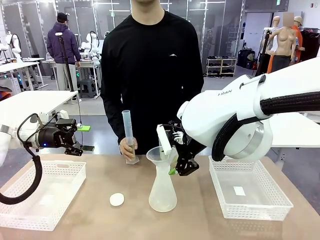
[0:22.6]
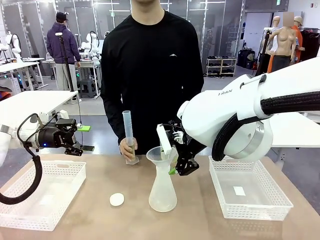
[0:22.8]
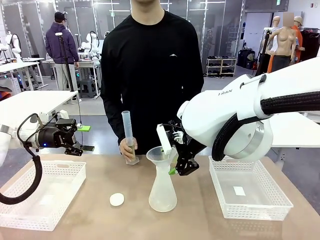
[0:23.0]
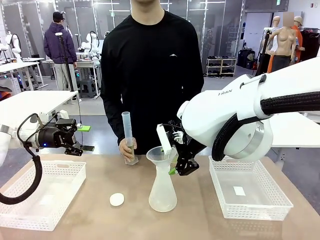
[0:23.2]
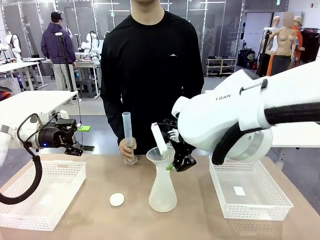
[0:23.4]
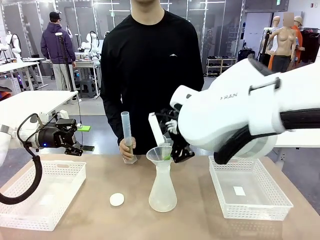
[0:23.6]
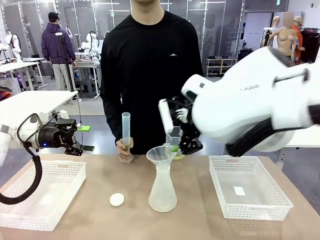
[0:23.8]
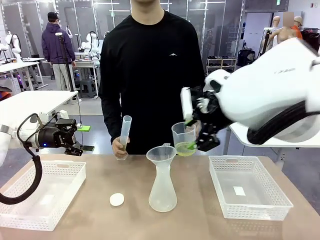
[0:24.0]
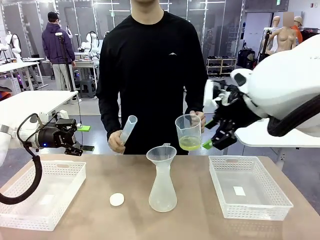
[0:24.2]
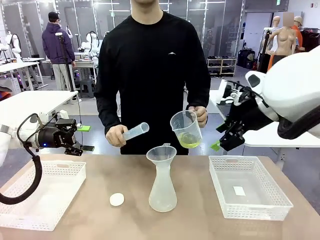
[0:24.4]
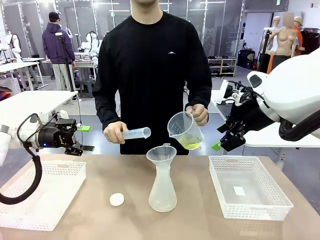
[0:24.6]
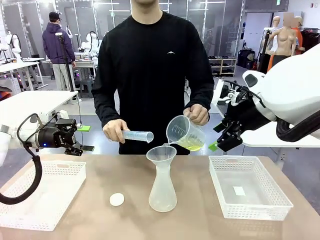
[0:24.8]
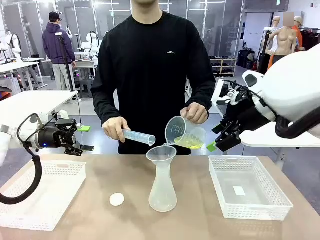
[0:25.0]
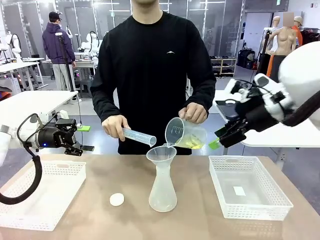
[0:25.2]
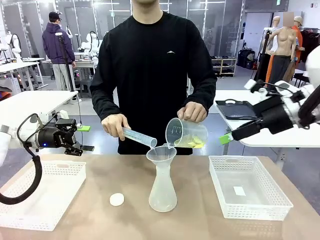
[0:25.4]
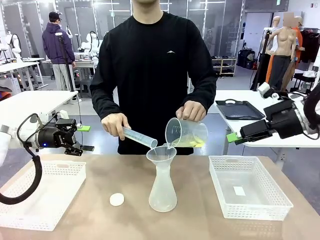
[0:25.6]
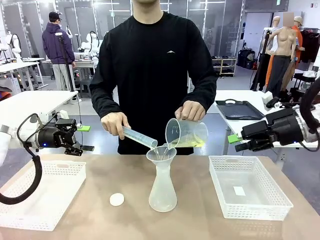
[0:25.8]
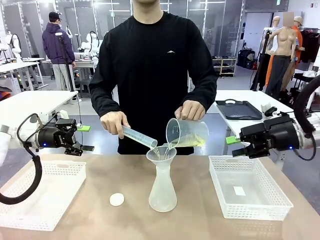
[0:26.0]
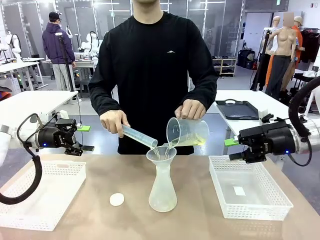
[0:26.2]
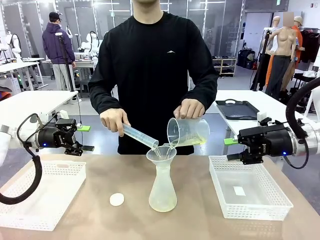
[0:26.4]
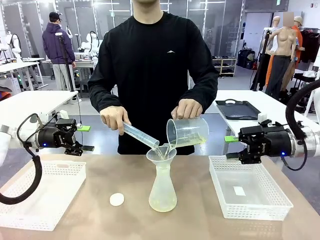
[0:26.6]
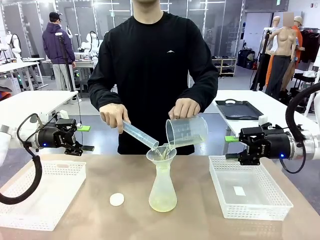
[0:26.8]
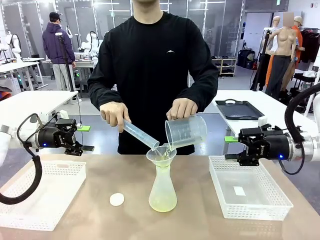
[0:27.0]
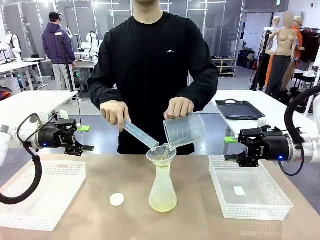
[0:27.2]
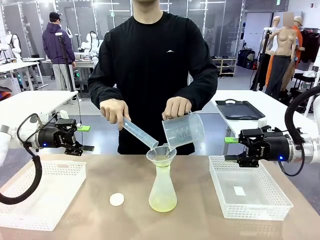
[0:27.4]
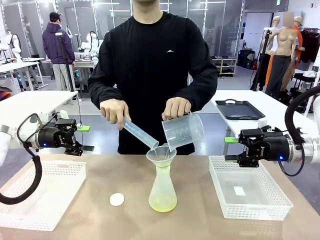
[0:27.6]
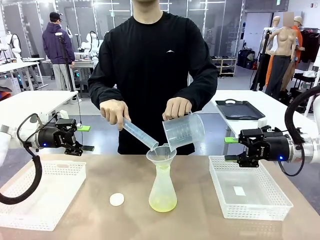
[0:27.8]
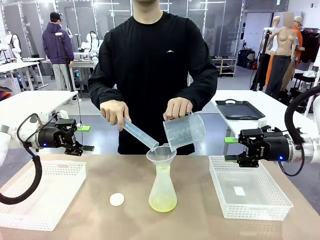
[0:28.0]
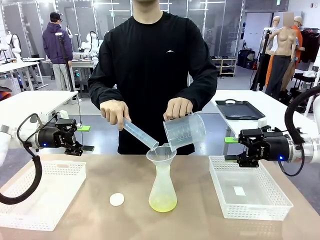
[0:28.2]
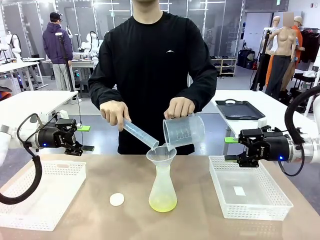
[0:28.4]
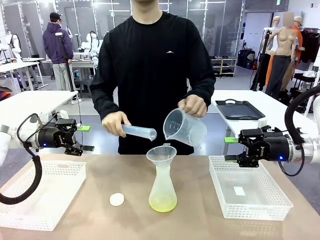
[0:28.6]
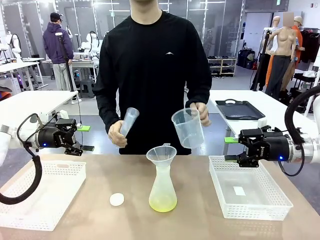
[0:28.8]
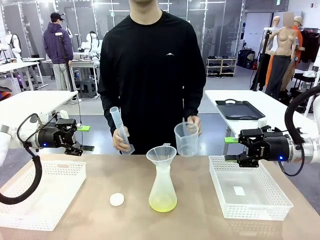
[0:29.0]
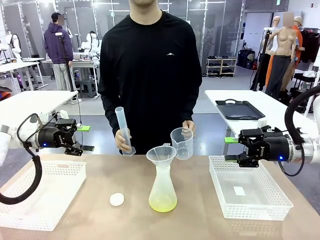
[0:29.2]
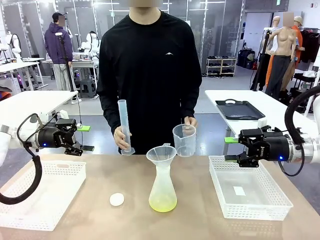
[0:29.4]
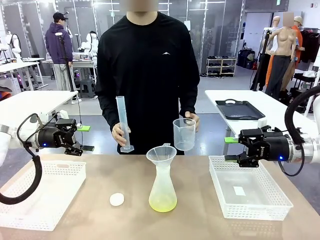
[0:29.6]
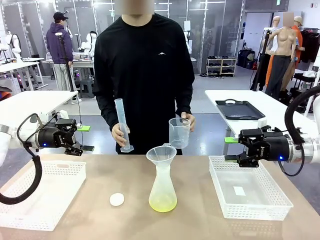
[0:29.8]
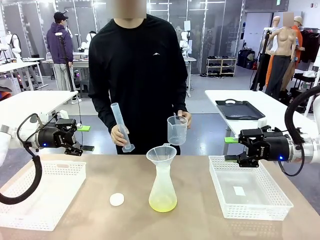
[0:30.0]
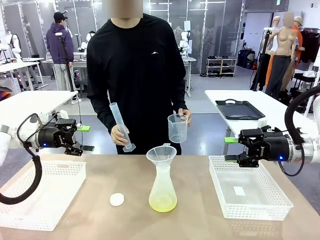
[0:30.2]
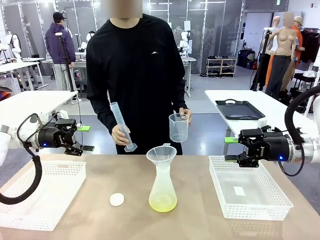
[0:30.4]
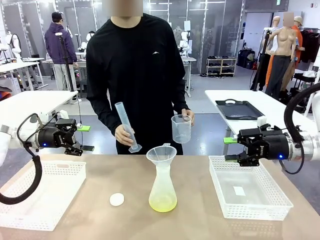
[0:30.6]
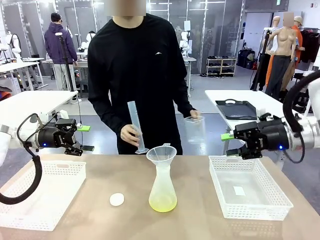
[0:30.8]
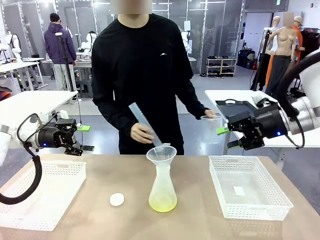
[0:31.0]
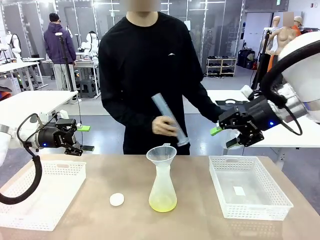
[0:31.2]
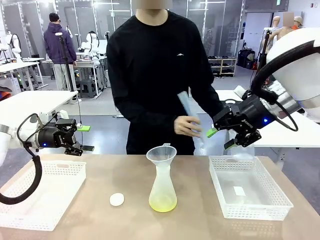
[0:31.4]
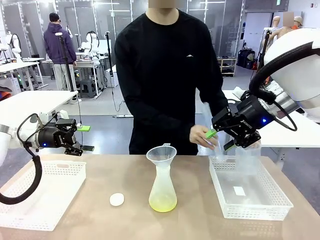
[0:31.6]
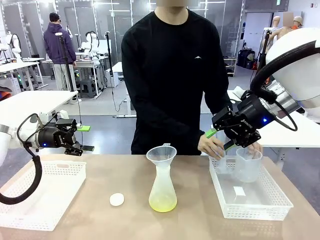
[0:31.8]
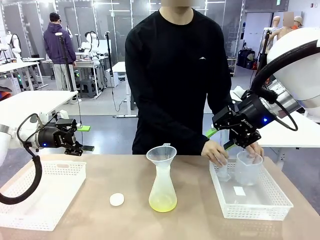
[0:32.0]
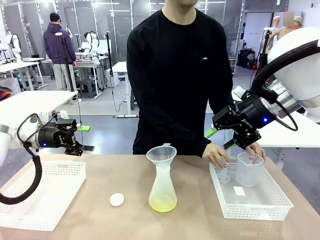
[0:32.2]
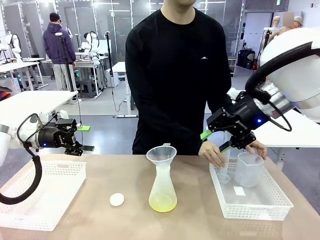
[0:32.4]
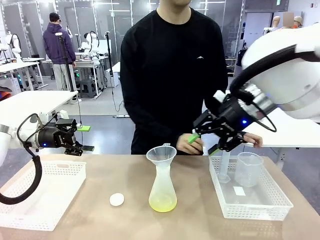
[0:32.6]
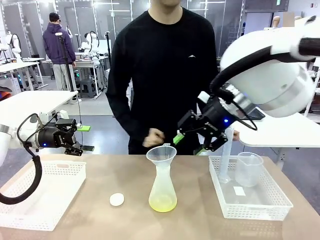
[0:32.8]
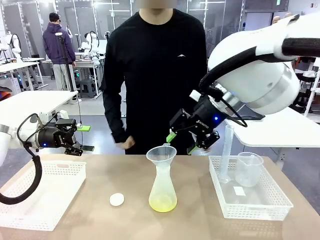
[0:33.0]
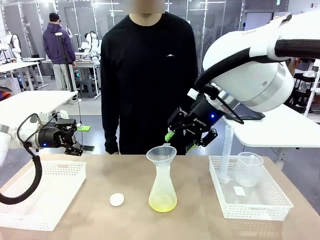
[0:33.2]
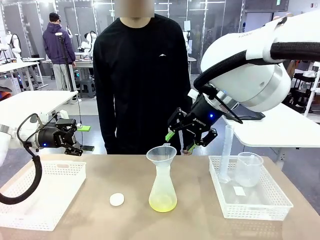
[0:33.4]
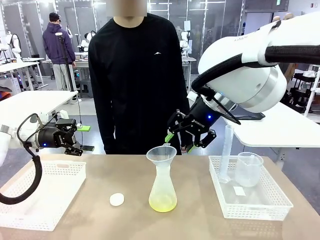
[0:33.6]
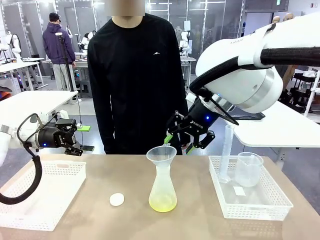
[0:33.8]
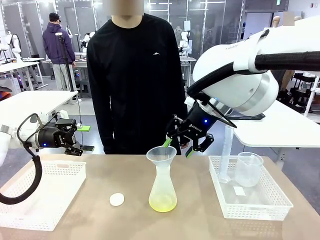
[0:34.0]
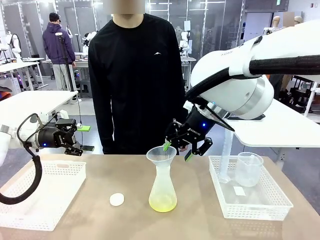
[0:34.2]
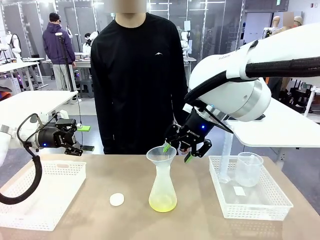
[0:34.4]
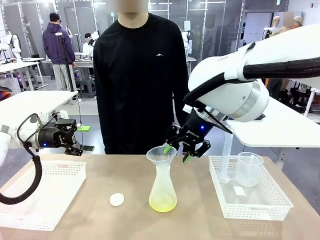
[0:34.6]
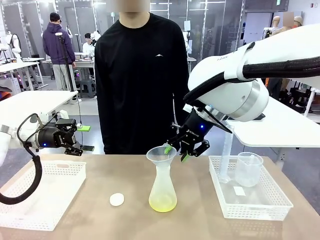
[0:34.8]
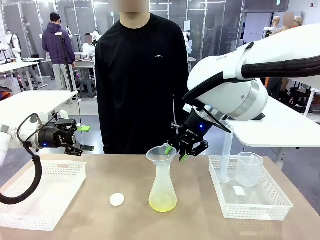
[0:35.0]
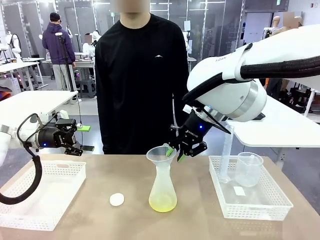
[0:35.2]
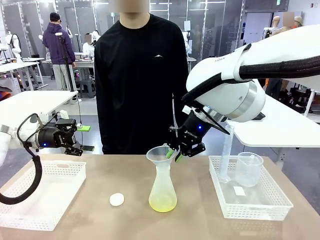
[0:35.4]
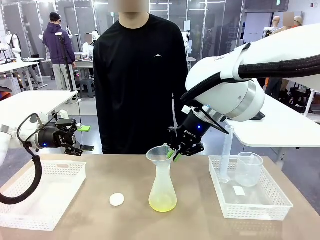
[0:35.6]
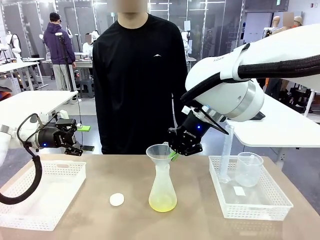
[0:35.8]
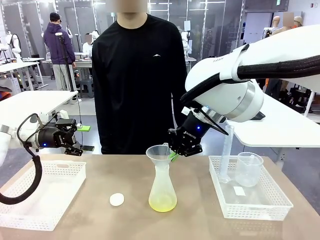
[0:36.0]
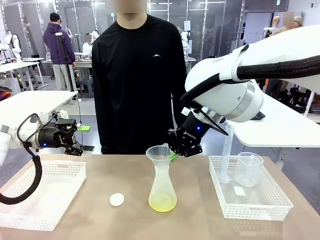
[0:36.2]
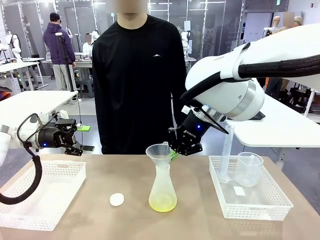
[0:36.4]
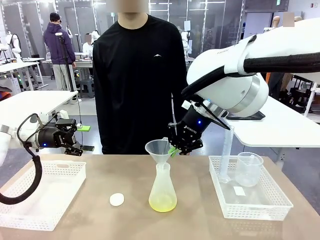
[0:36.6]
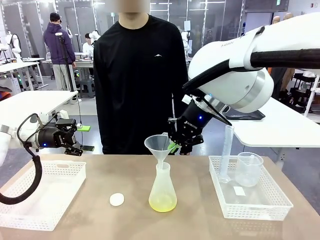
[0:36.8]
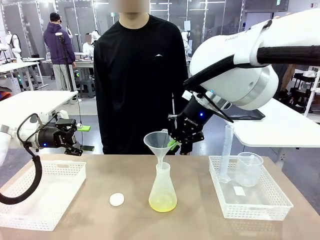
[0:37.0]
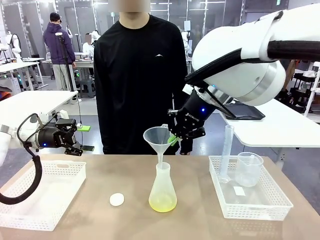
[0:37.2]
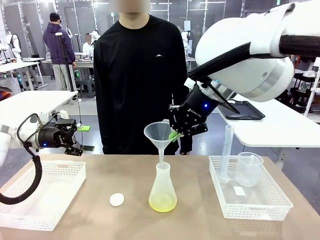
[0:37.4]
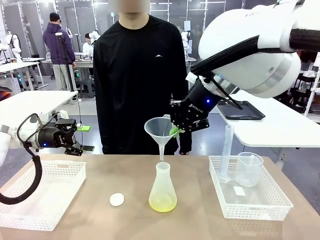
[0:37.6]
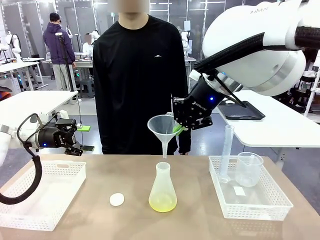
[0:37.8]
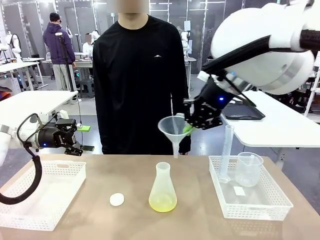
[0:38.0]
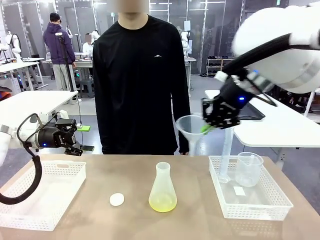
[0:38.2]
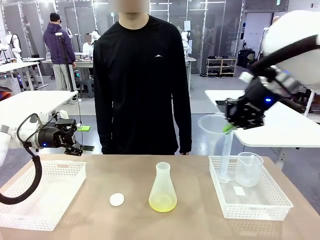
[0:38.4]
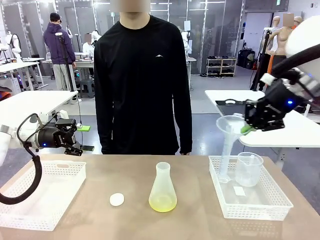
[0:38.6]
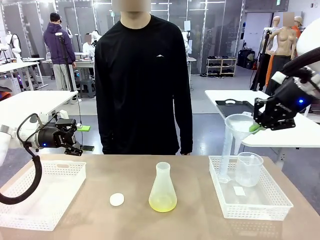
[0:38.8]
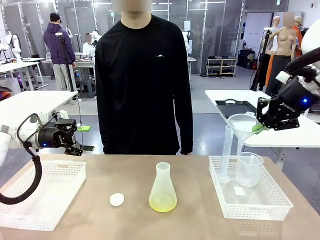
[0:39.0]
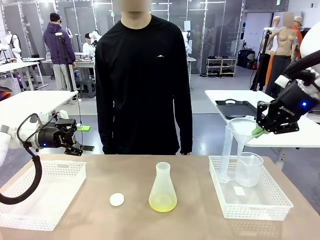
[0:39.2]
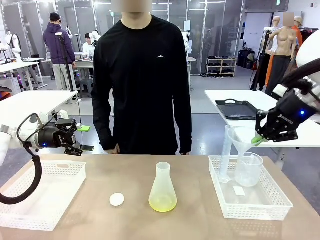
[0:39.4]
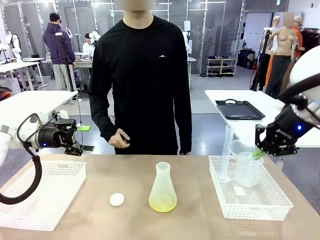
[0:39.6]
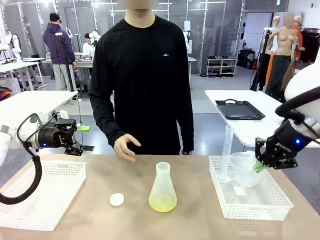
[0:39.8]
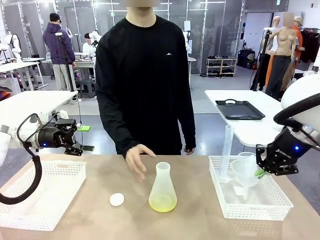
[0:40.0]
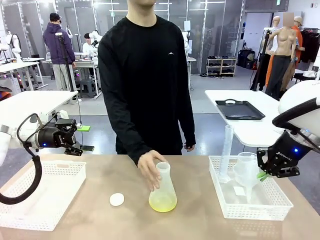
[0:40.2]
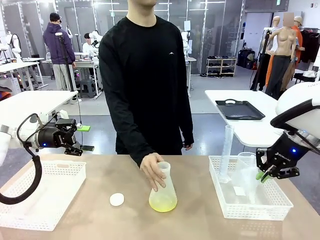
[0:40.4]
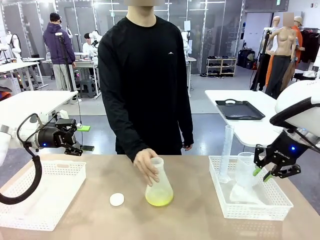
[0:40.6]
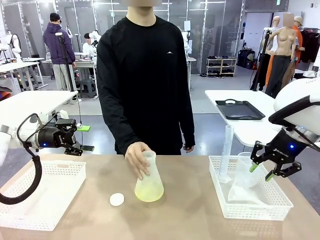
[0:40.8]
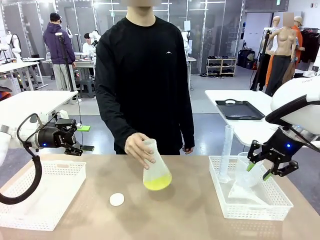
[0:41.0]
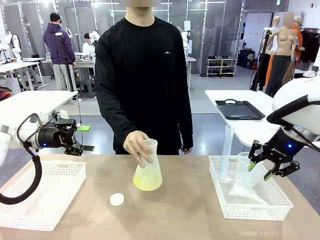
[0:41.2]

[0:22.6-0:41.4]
Task: Prepare the solutions needed for the experiment.
Robot: Once the solution is in the Big flask , pick up the Plastic Funnel and place it back into the right Organizing basket.
Person: Place the beaker and the cylinder into the organizing basket on the left side. Pick up the flask, gently shake it 2–3 times, place it in the middle of the robot table, and close the lid.
